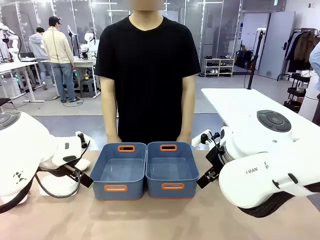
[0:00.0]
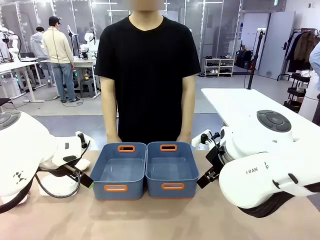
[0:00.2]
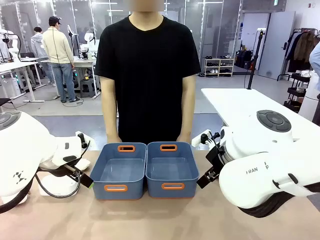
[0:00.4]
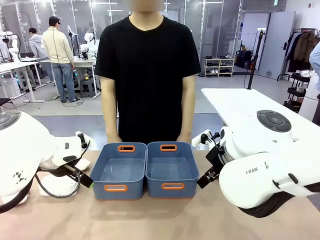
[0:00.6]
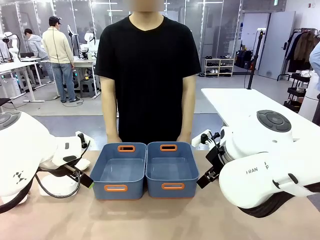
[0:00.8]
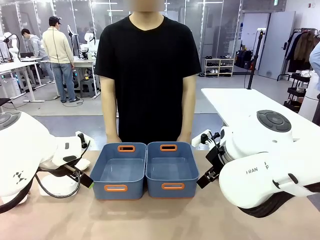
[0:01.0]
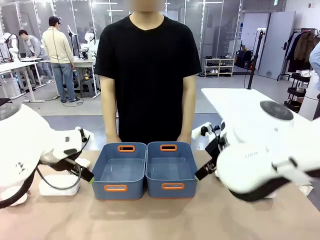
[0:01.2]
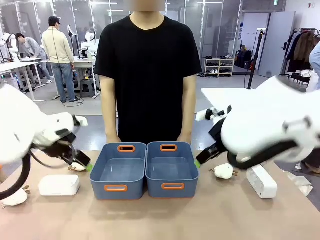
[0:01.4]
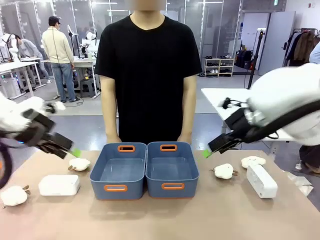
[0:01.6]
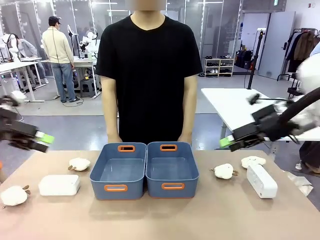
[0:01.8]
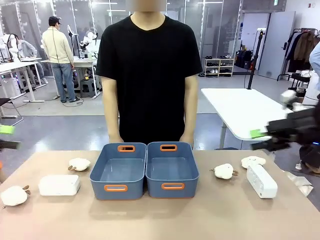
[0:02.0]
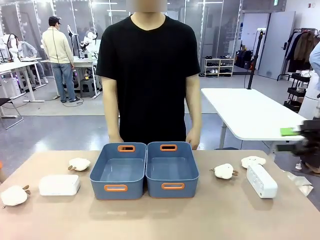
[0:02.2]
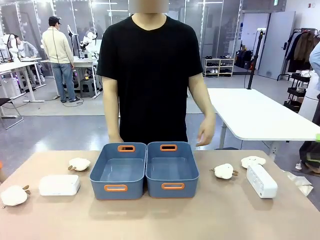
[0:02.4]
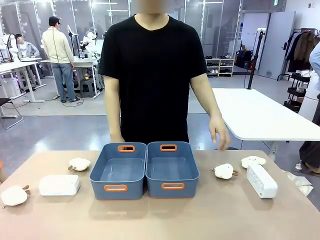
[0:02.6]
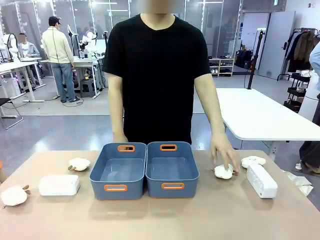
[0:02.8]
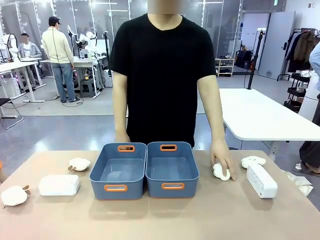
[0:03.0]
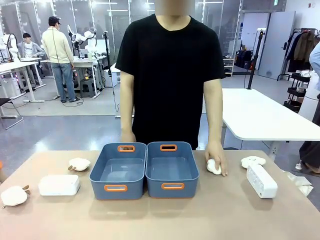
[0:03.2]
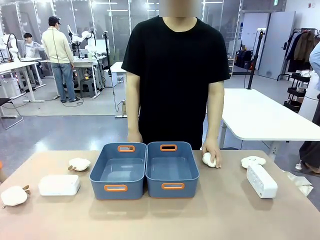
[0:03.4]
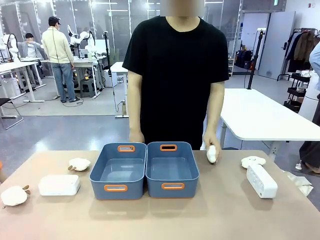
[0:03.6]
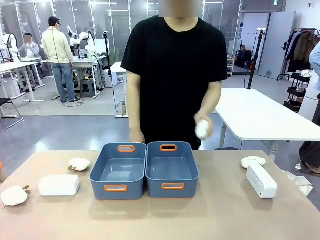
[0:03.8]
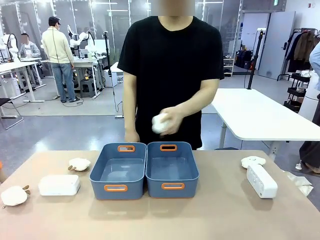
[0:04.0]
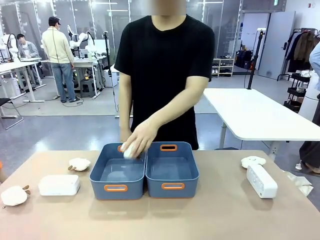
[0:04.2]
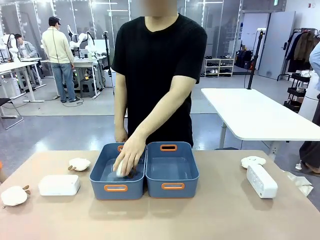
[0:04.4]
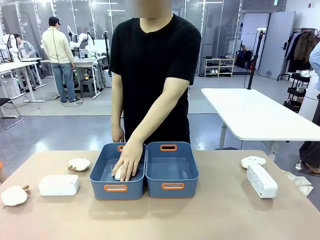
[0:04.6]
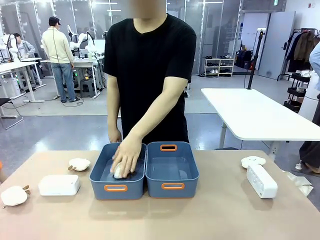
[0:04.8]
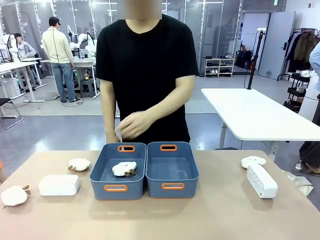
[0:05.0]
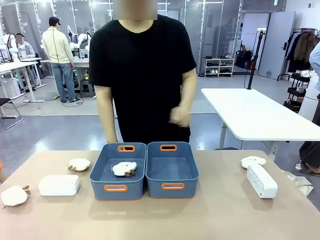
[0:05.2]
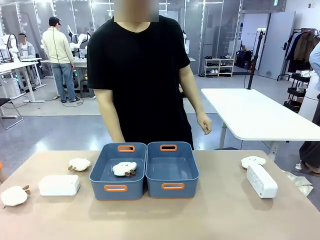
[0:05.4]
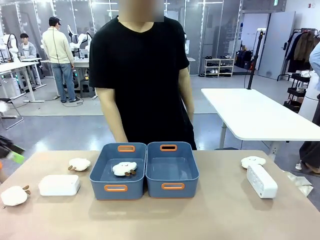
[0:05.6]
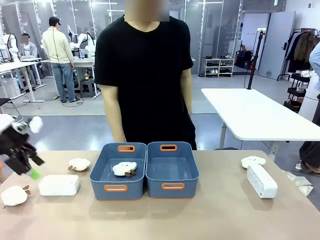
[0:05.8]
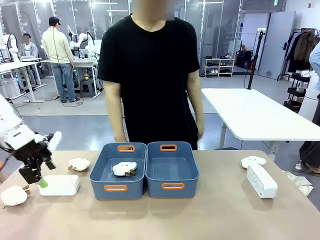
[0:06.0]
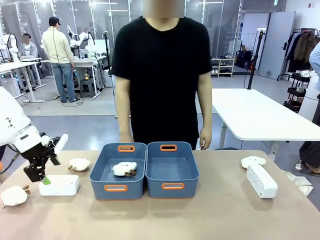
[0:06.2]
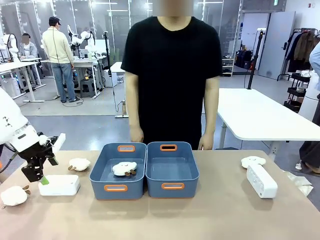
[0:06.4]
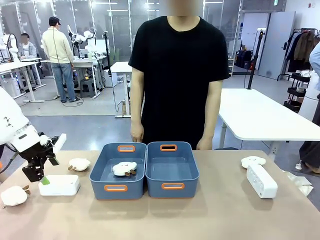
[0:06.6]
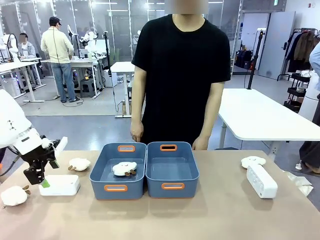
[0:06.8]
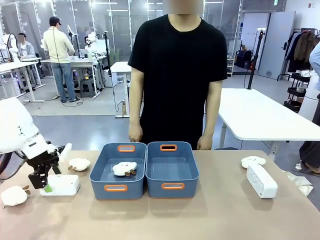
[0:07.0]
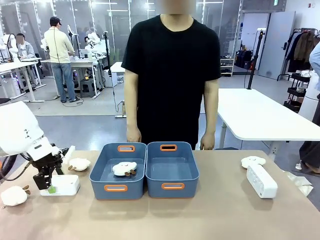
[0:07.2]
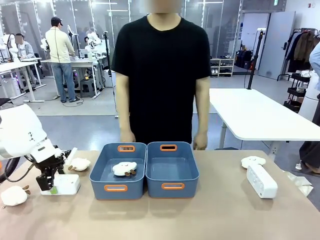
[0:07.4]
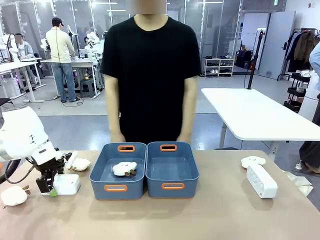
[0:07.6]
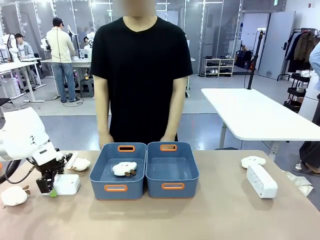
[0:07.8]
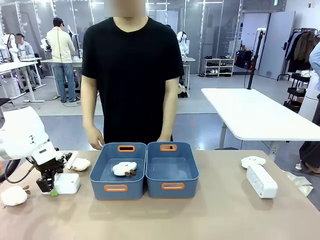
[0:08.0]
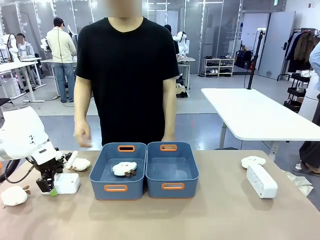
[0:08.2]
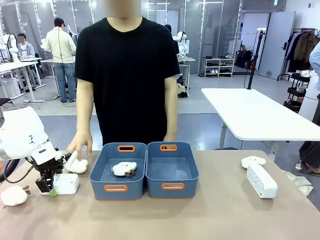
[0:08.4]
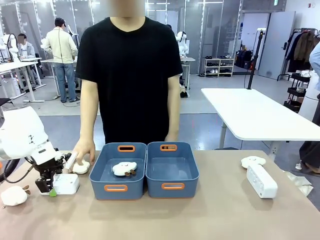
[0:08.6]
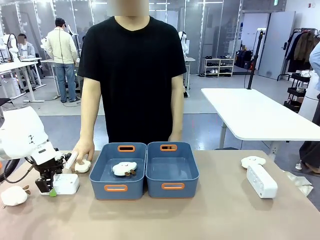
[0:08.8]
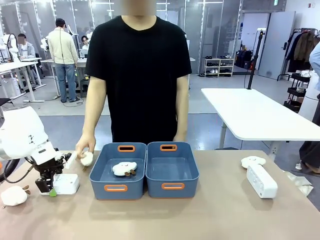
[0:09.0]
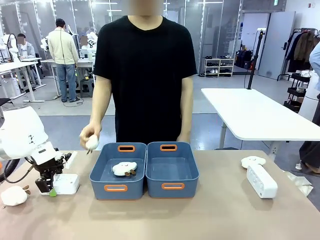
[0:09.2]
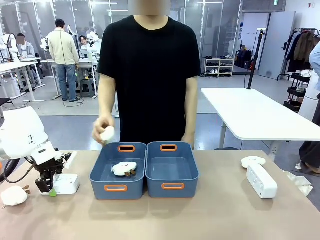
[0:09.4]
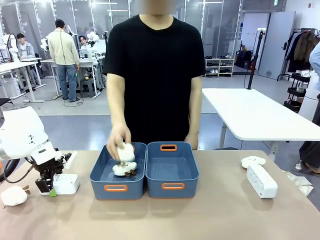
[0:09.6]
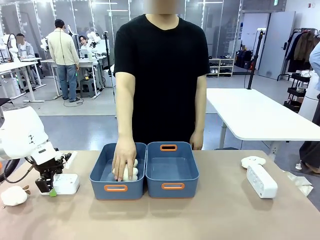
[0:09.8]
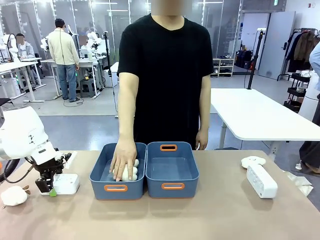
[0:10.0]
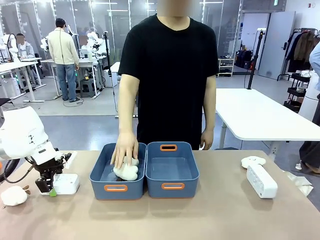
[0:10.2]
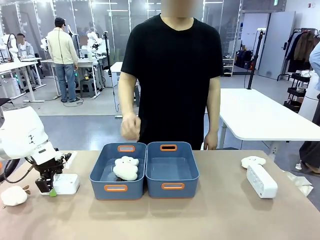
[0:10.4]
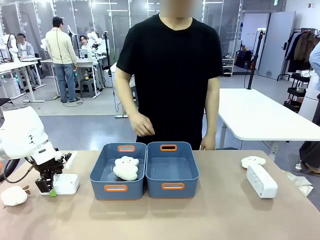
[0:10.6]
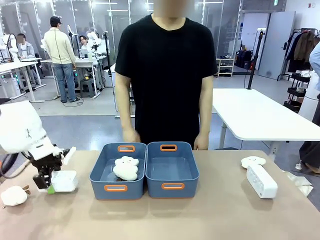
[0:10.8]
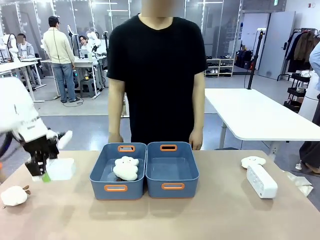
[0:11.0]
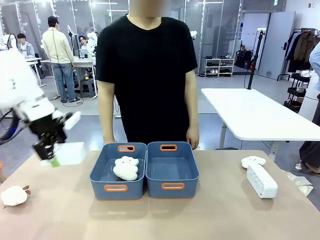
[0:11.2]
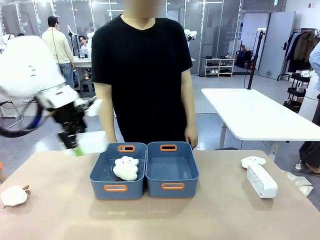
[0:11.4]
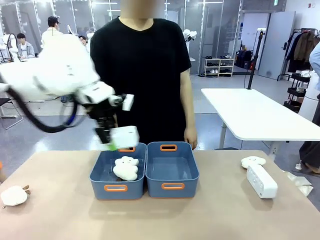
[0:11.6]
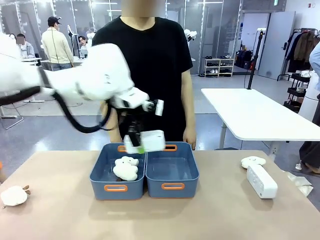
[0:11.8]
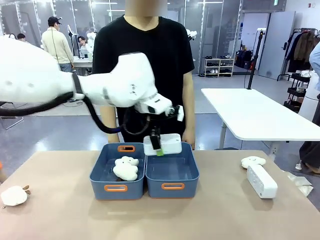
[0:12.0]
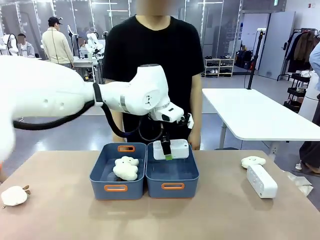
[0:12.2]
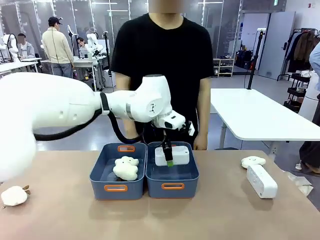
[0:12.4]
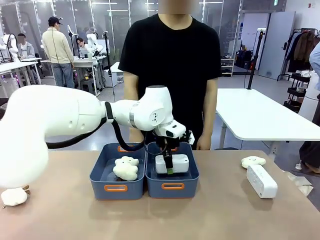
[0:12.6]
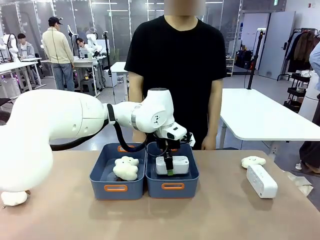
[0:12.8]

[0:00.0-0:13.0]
Task: Sort the digital clocks into the basket.
Robot: Pick up the Digital clock from the table and place it into the empty Plastic storage basket.
Person: Pick up a plush toy from the table and place it in a plastic storage basket.
